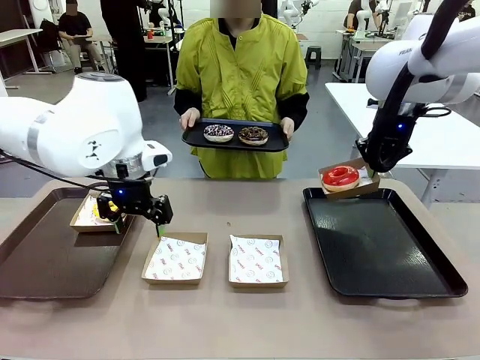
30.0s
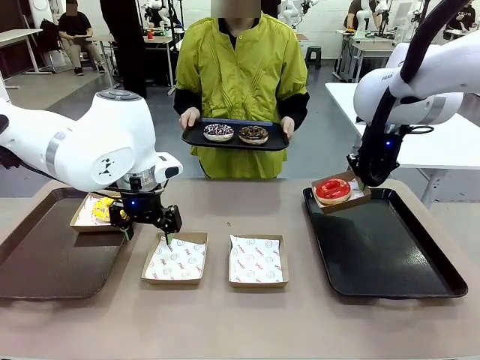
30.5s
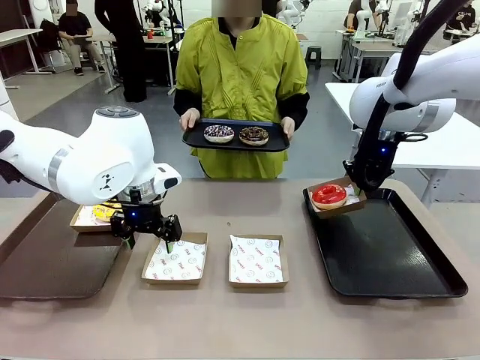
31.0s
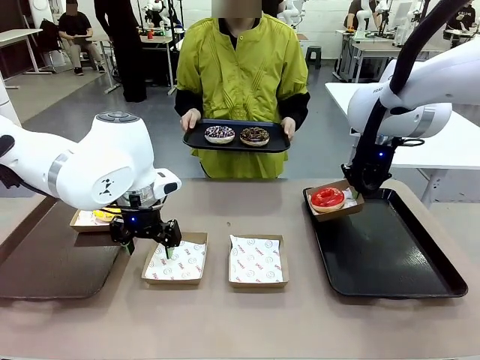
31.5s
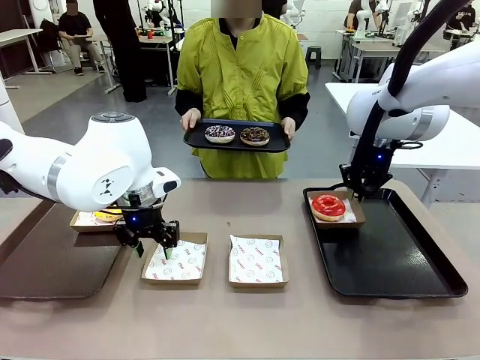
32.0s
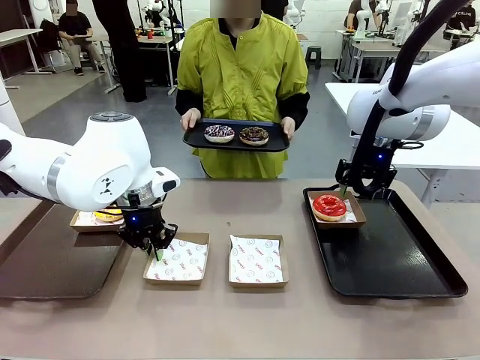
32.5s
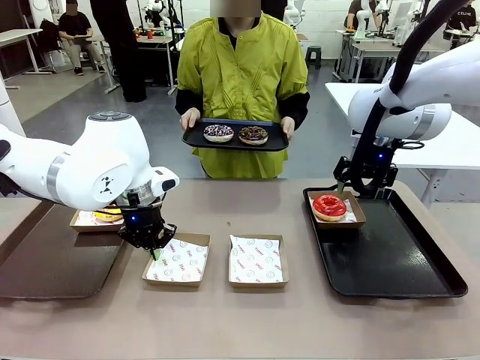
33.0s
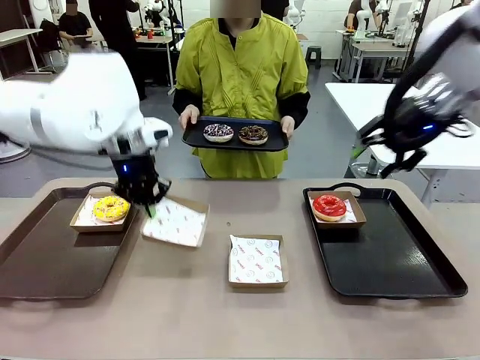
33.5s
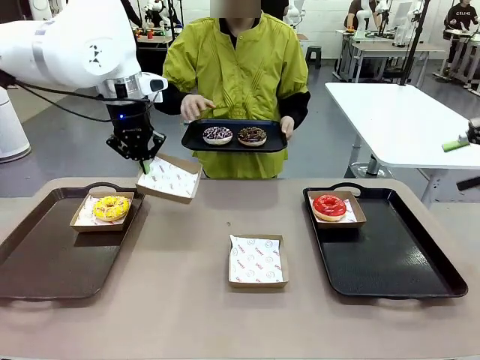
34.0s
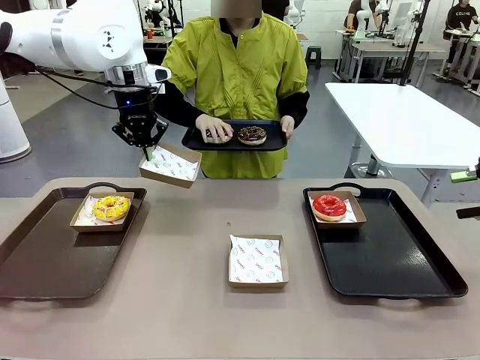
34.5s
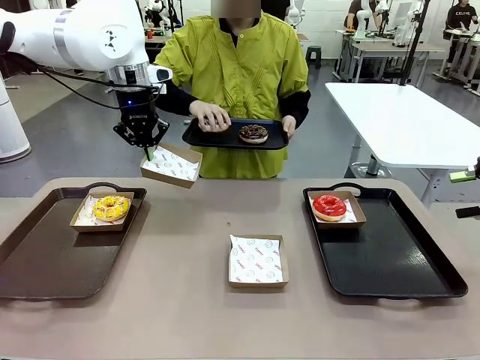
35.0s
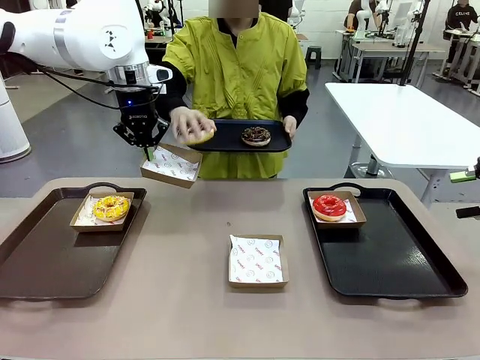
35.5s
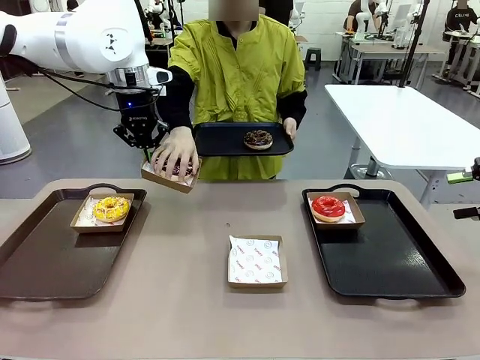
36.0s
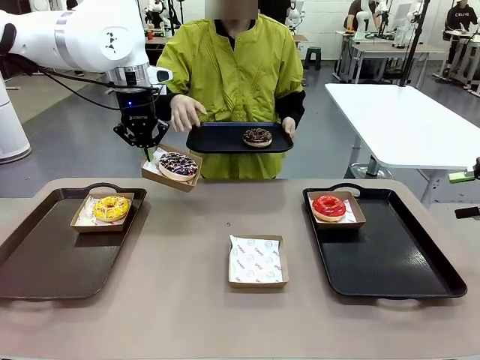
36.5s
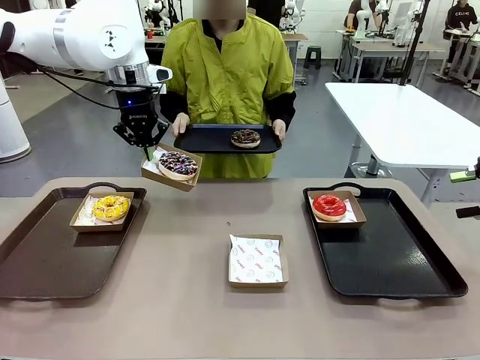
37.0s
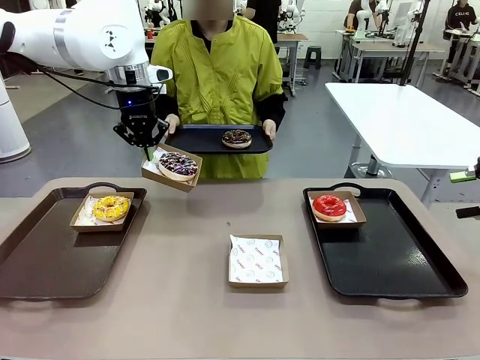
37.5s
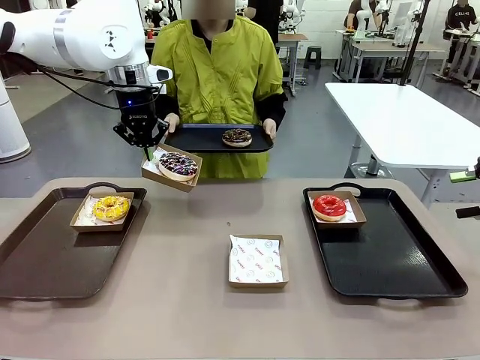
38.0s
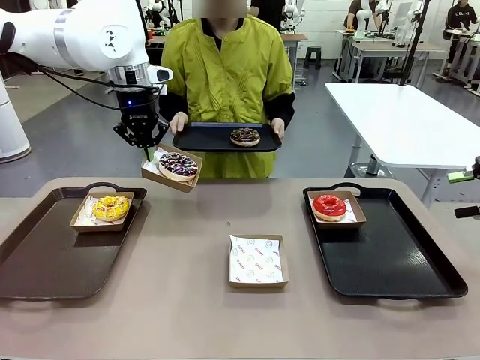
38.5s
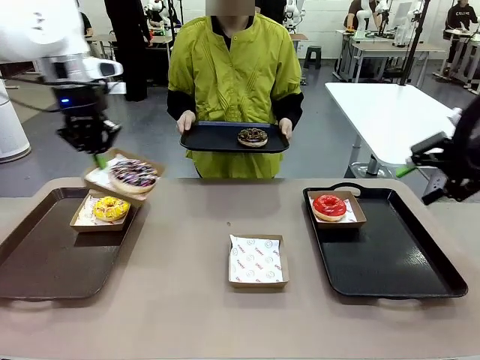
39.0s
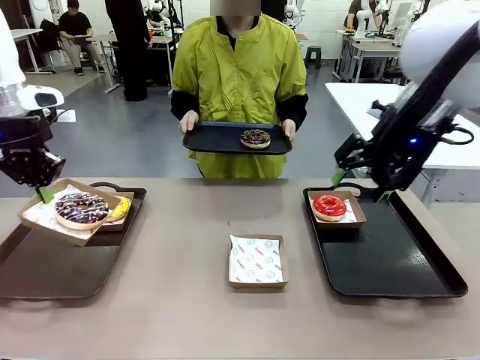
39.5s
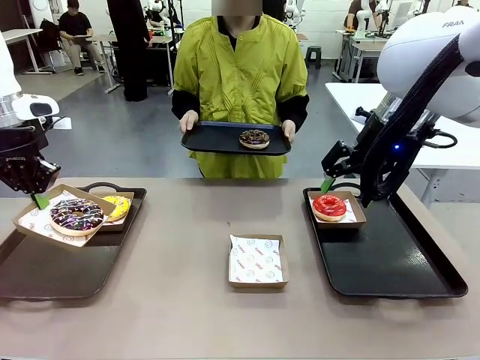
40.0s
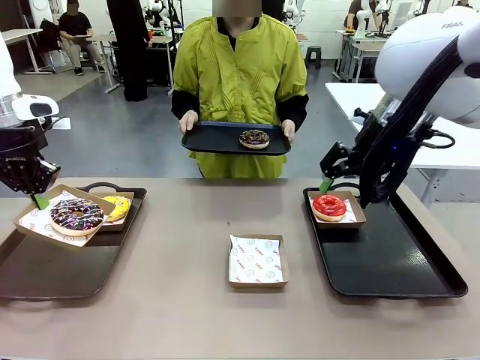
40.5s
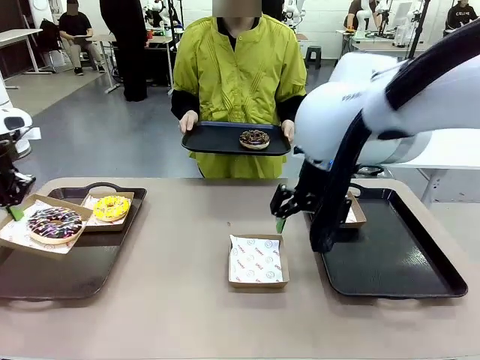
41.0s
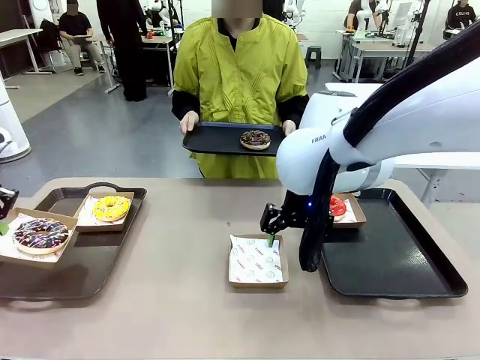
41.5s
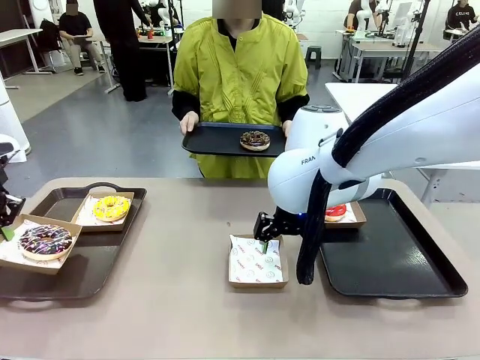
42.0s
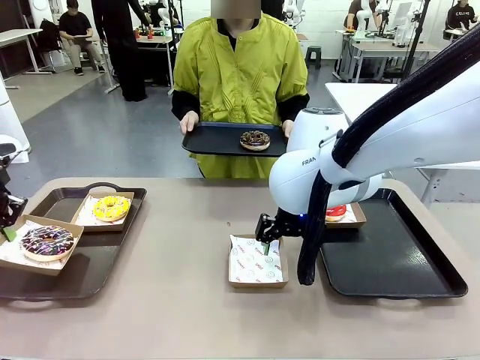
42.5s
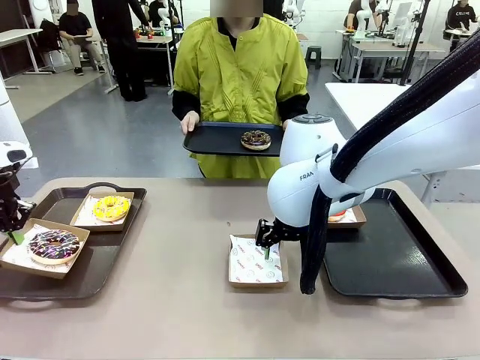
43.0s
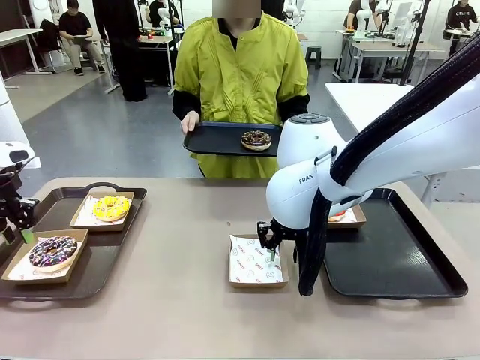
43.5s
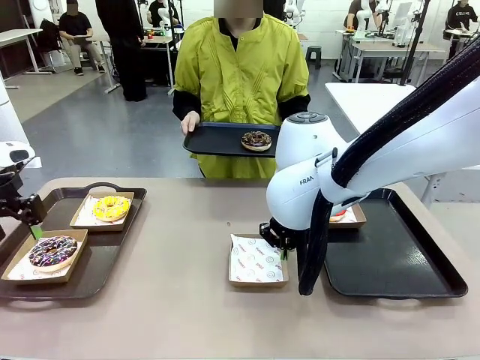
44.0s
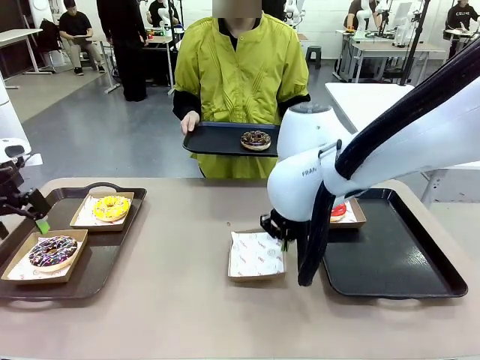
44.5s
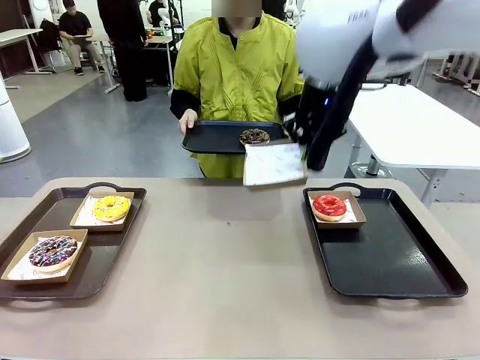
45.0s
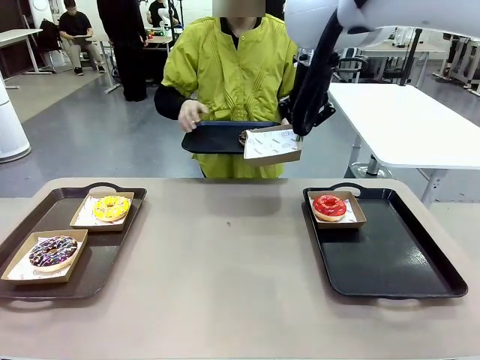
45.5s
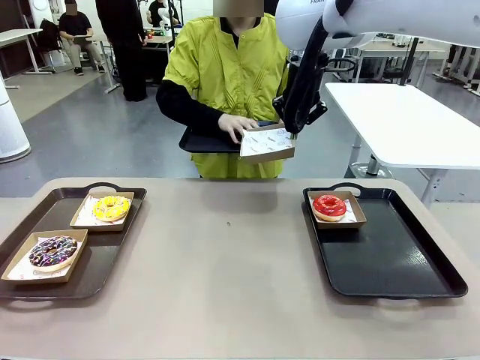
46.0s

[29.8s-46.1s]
Task: Individually package the donuts and arrange them on the tray.
Robot: Place the picked Paper togo box on the Handle tray while simultaneously picking up another Paper togo box from the table with the other hand.

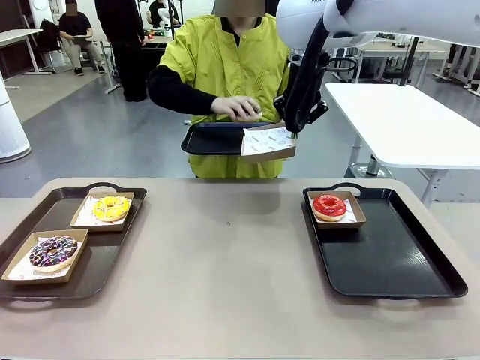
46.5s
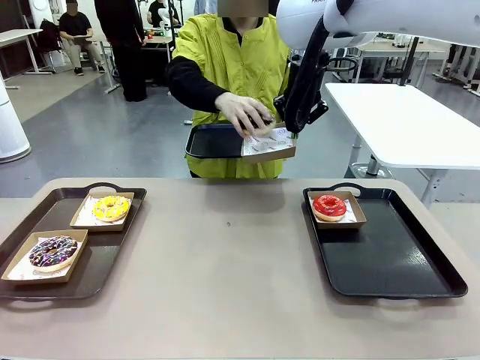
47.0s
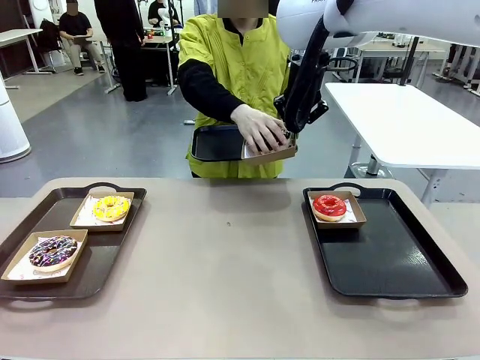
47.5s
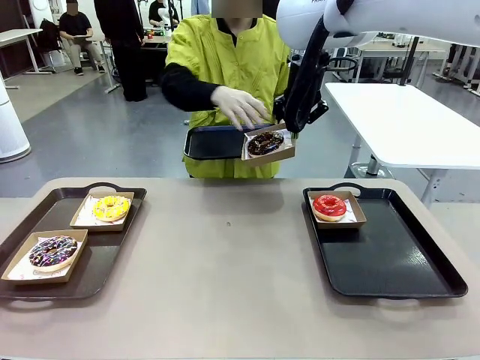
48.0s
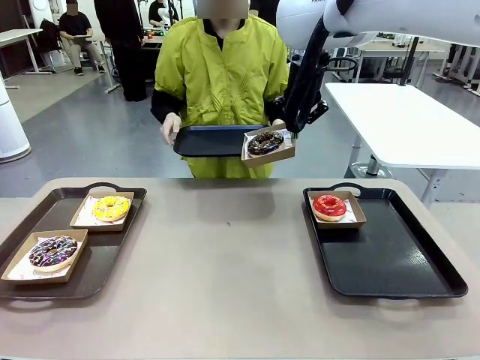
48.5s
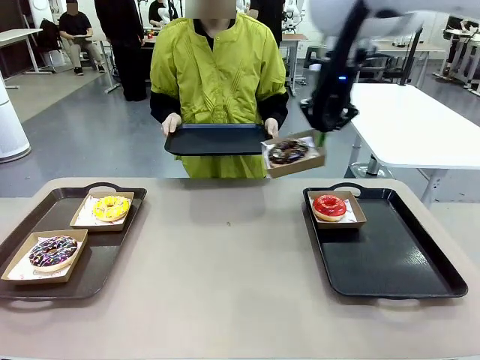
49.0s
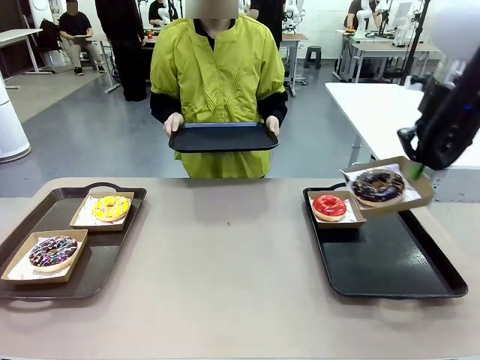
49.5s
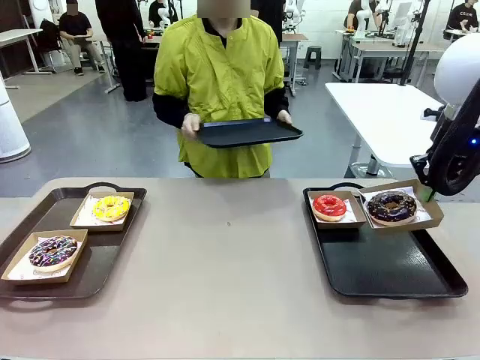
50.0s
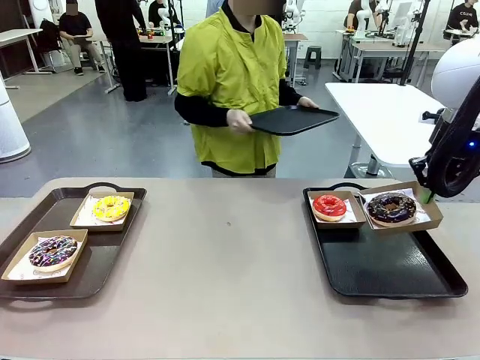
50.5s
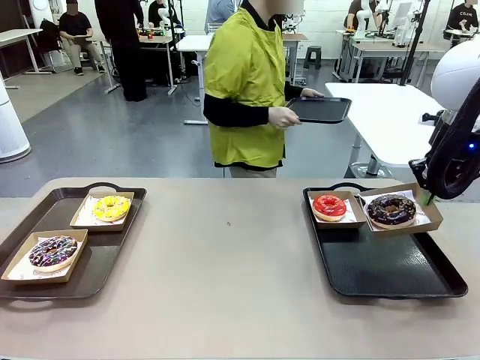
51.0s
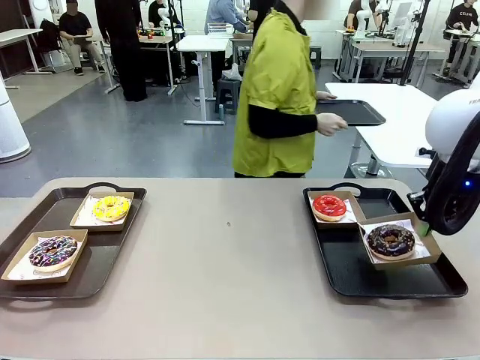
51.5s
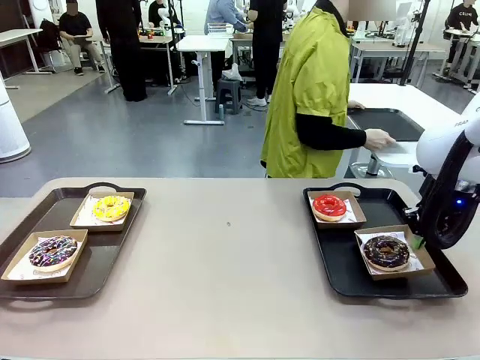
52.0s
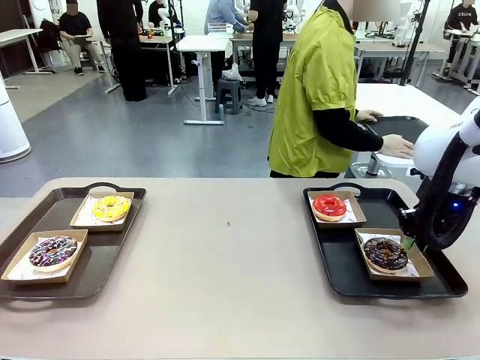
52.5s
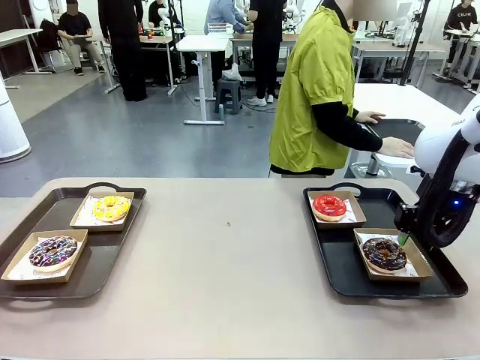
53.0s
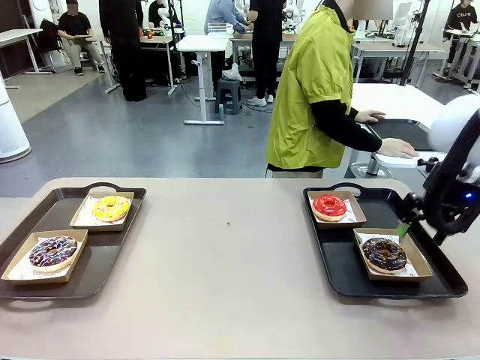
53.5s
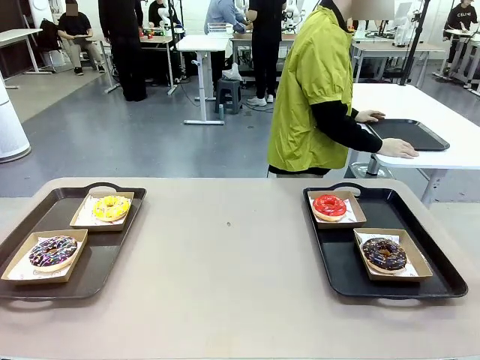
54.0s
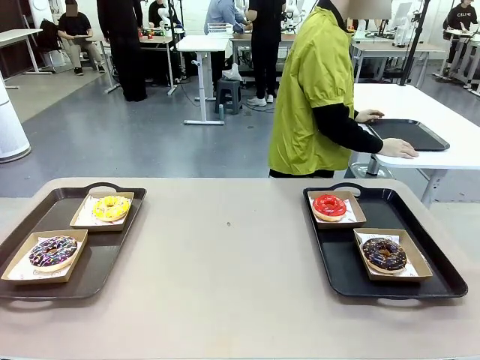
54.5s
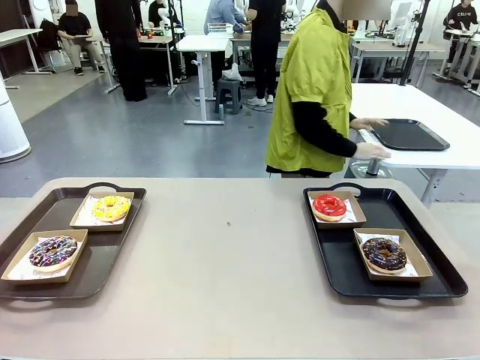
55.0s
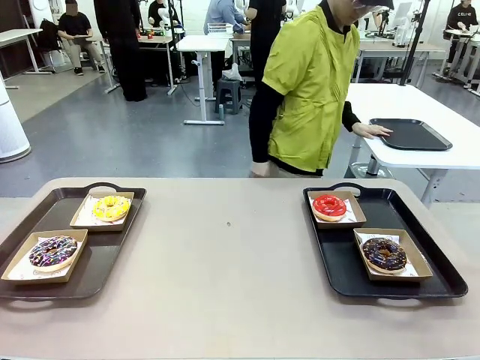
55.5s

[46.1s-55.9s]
Robot: Place the picked Paper togo box on the Handle tray.
Person: Place the tray down in the middle of the human table.
